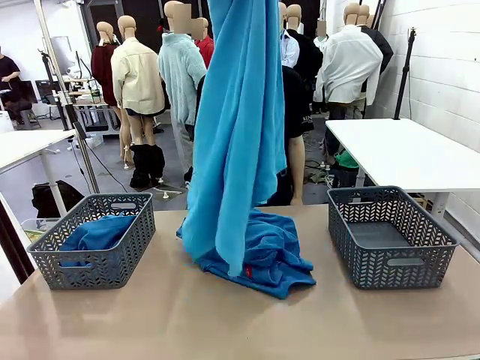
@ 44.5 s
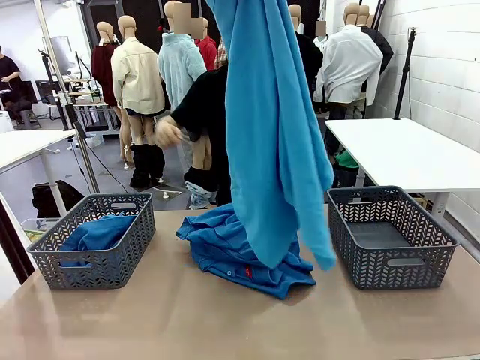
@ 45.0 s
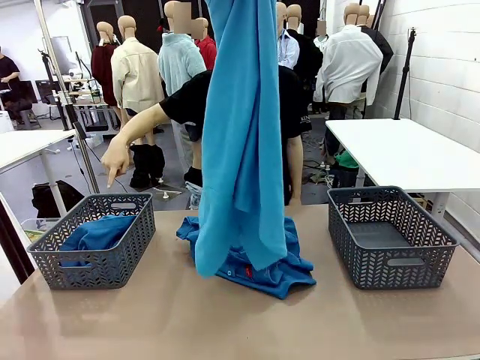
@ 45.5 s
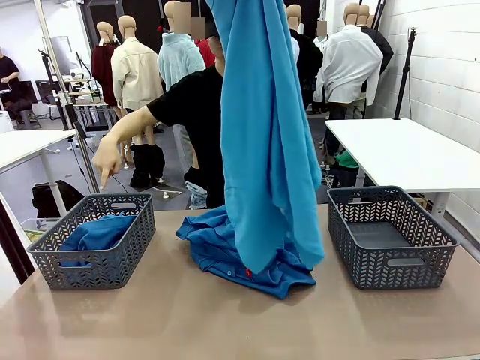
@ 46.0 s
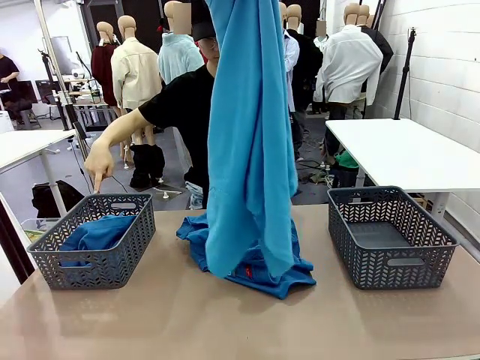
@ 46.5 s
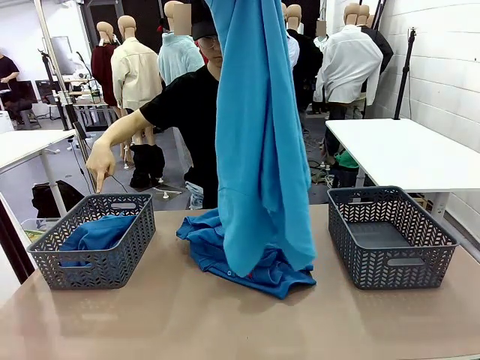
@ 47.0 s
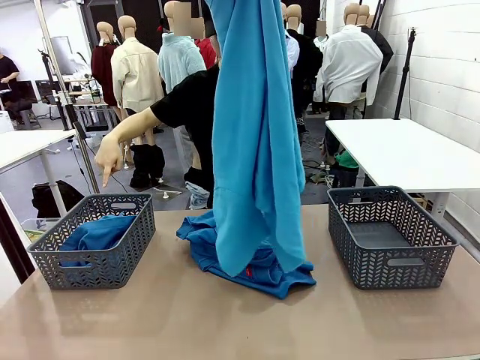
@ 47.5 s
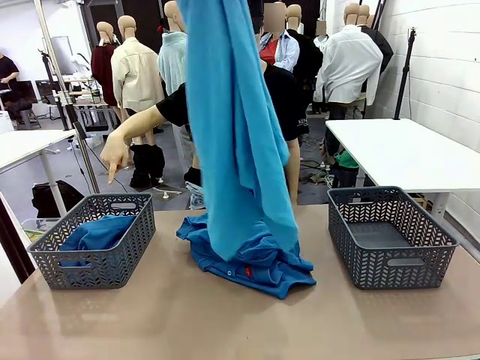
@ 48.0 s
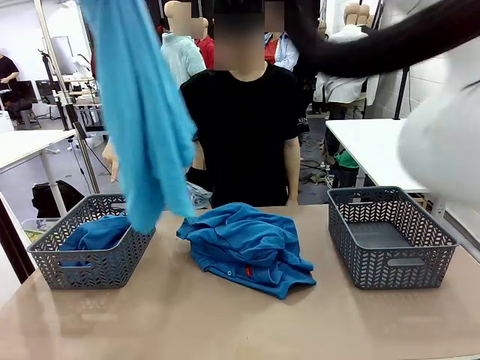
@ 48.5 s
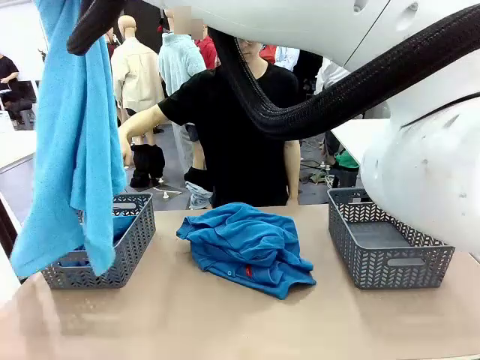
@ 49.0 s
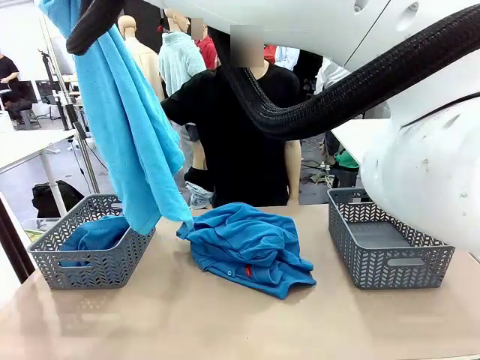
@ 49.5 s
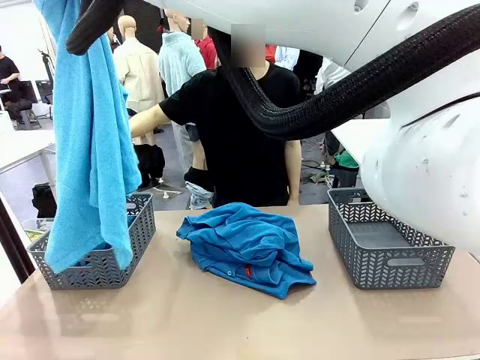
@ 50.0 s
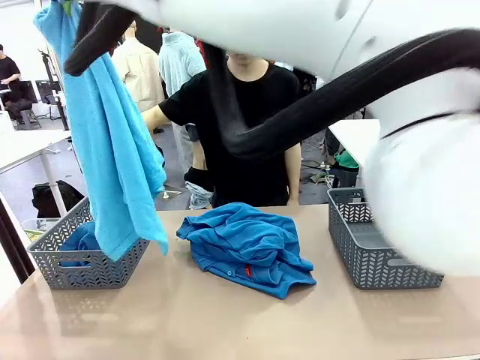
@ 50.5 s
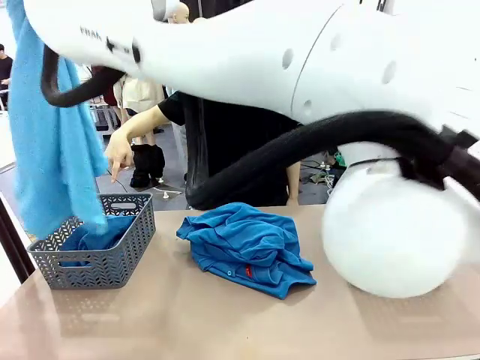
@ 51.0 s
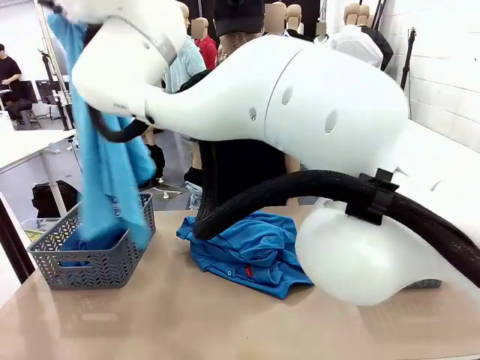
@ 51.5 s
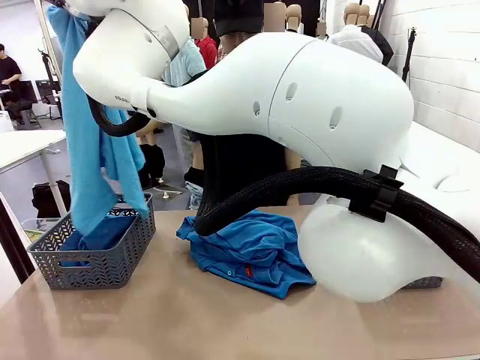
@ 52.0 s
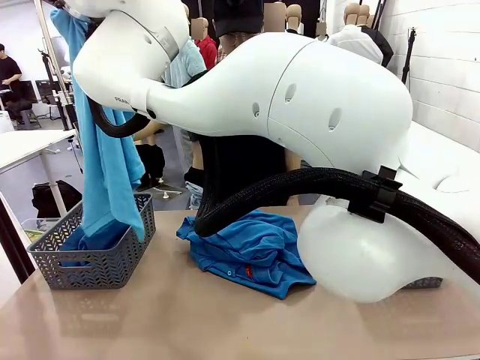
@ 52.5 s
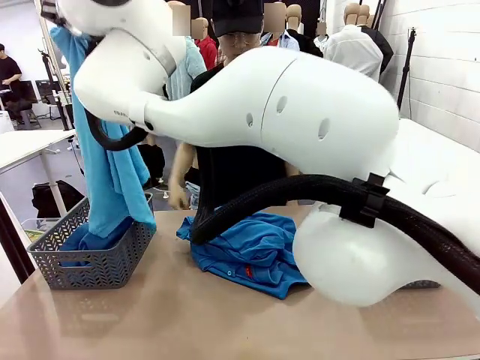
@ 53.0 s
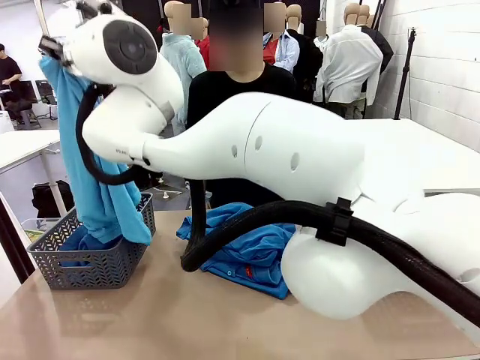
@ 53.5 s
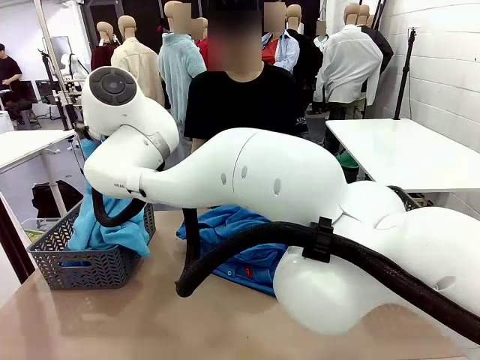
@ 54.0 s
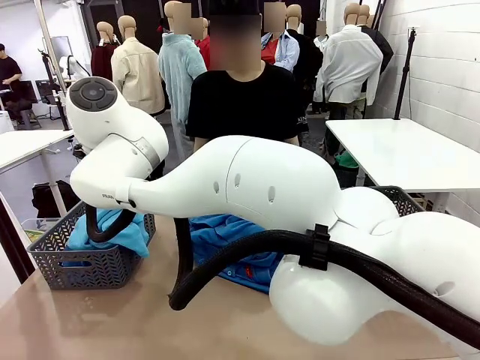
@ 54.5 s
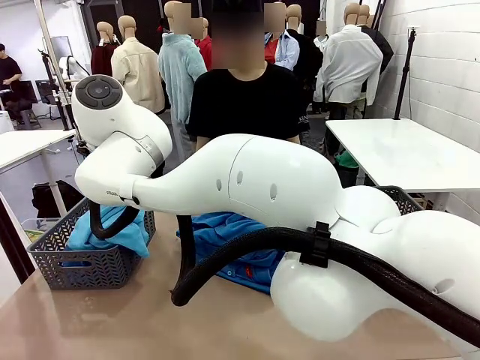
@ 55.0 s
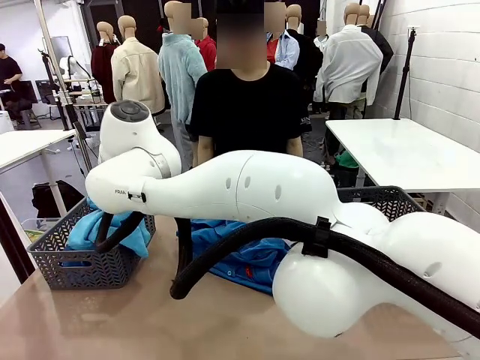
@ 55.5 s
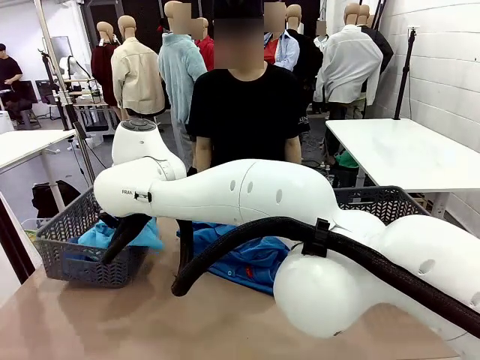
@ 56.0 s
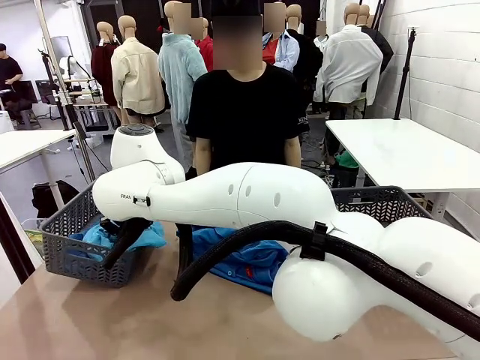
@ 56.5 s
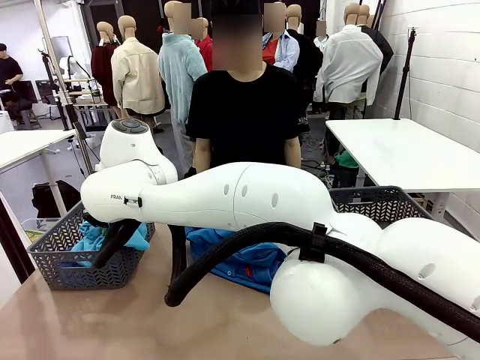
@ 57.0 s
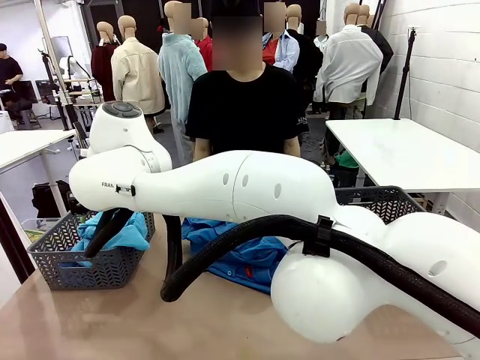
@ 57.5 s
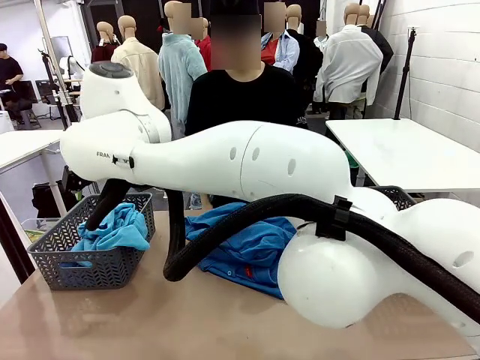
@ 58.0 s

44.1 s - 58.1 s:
Task: Sort the tops and bottoms.
Robot: Sort the clothes according to human instructions.

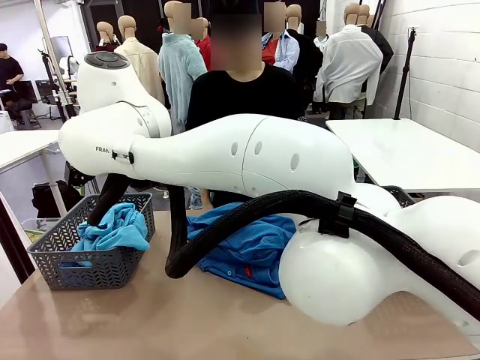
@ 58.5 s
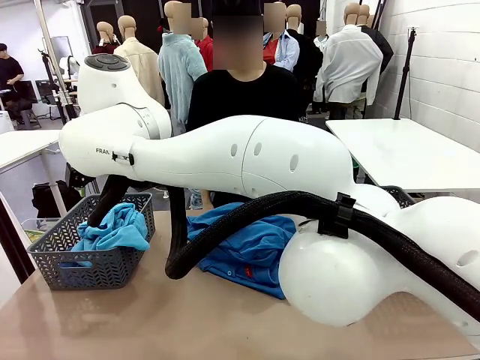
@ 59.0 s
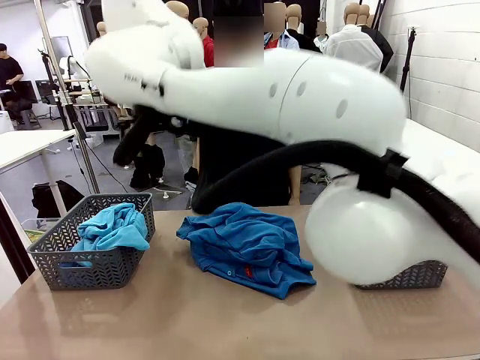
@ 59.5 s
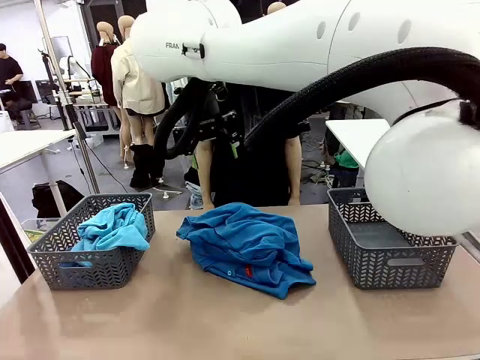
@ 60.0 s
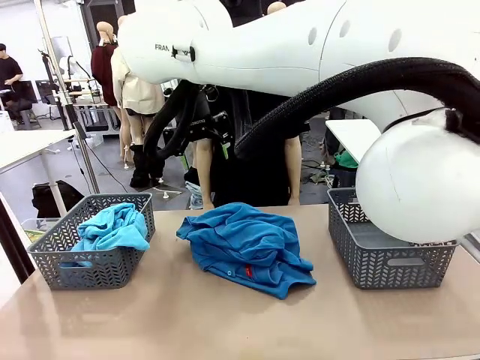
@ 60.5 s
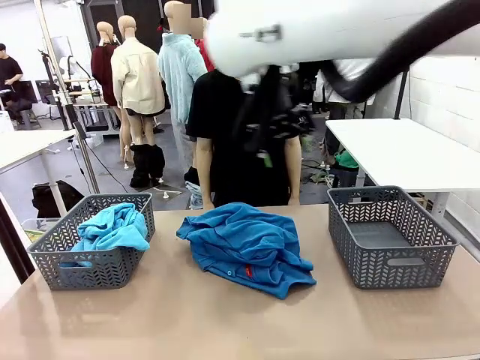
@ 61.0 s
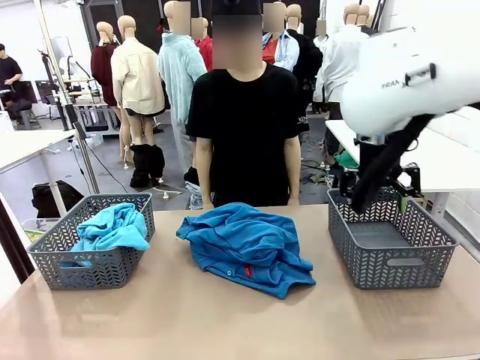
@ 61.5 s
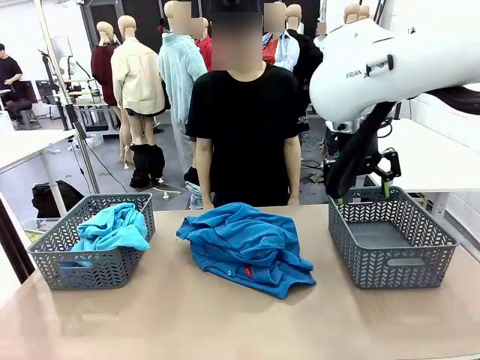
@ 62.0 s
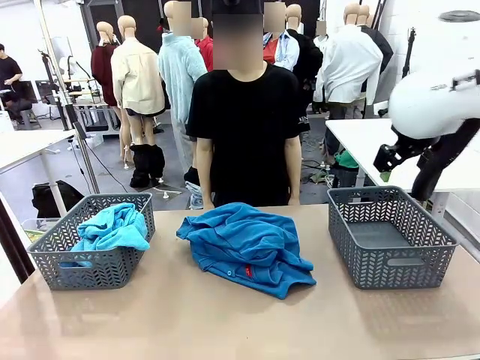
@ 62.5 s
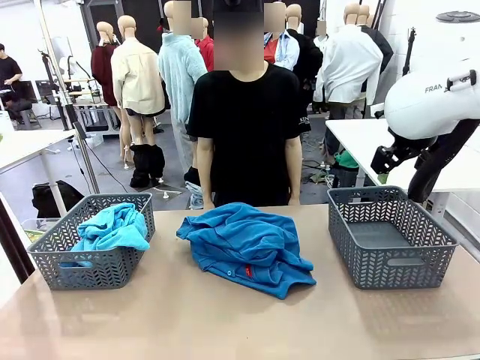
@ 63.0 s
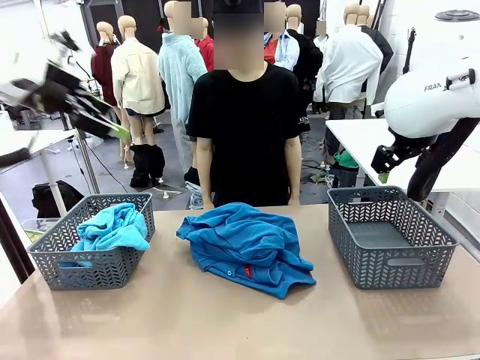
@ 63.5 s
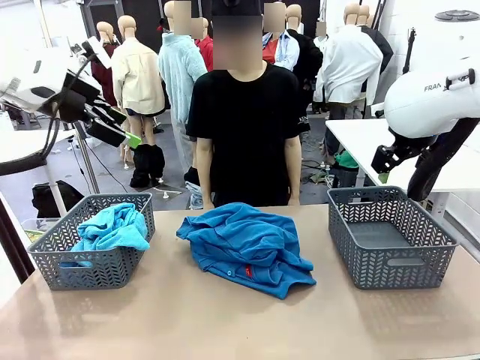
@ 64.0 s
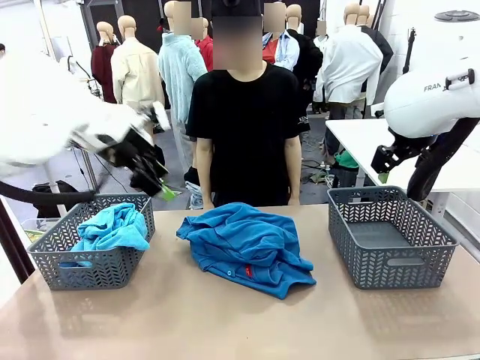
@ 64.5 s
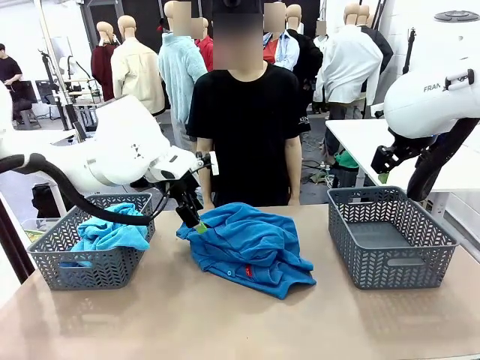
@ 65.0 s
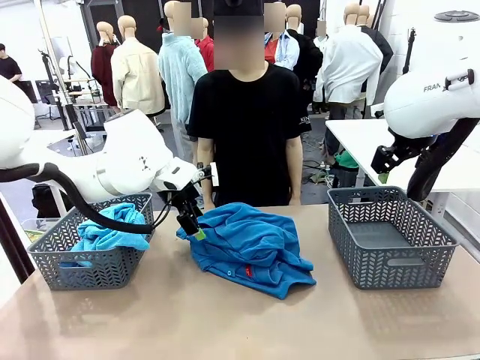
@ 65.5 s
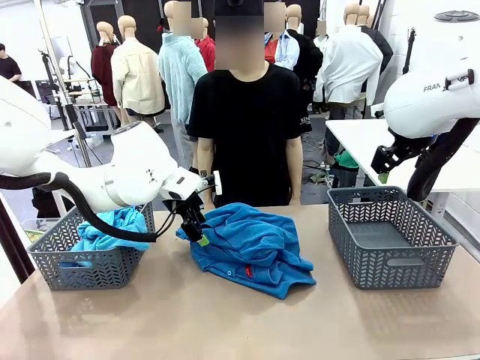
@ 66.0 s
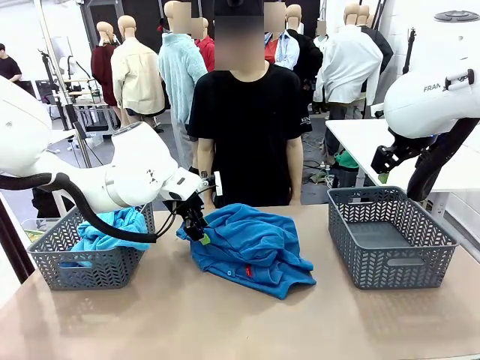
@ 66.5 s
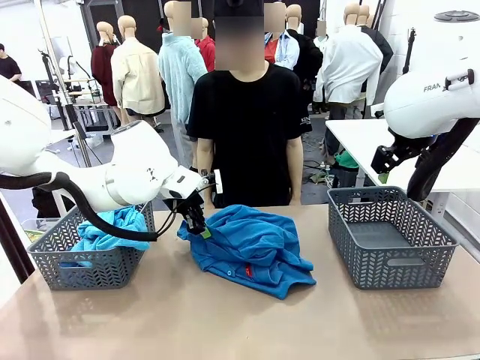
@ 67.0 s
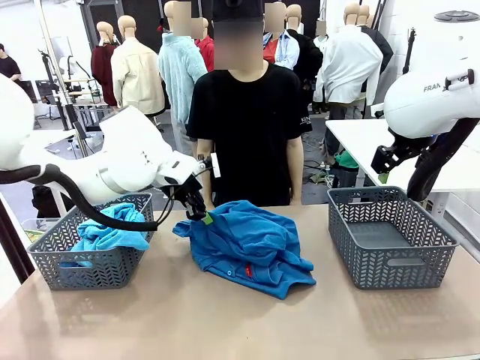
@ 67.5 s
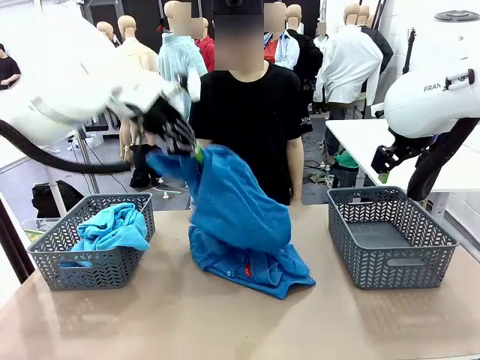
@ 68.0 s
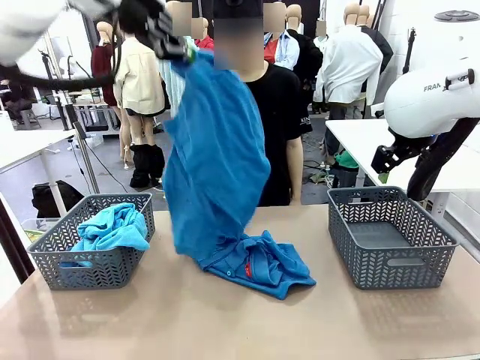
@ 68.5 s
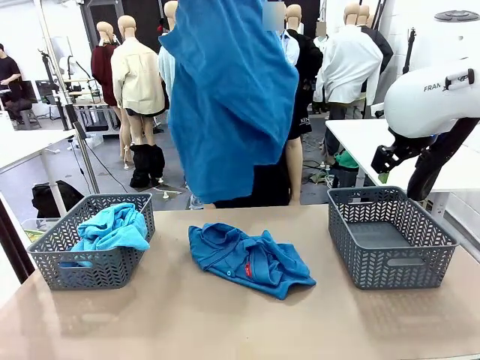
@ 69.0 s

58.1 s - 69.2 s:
Robot: Lift clothes from the center of the table with your left hand.

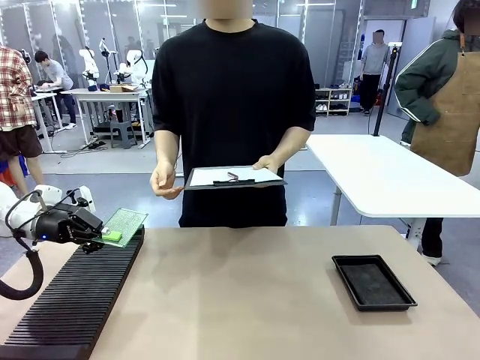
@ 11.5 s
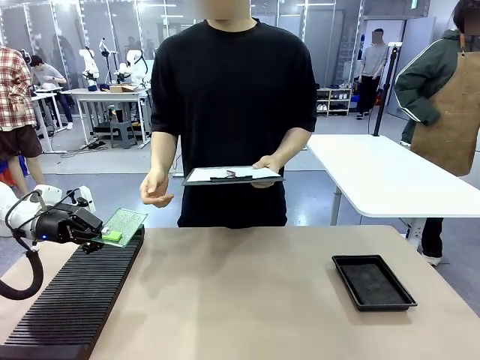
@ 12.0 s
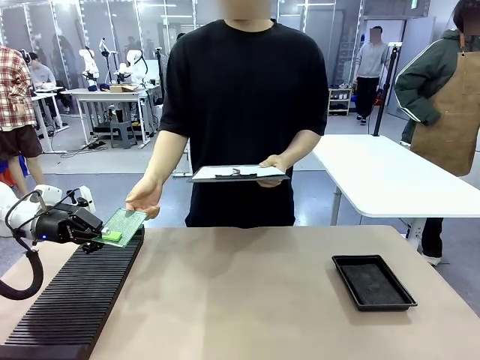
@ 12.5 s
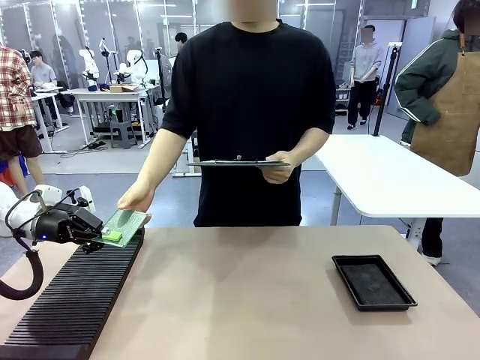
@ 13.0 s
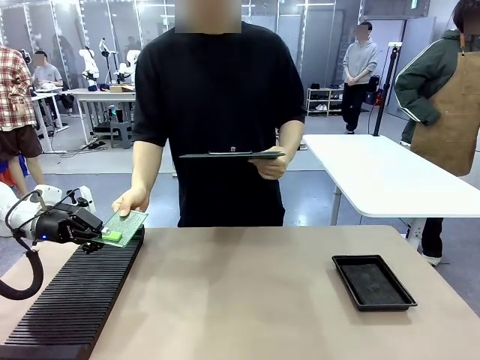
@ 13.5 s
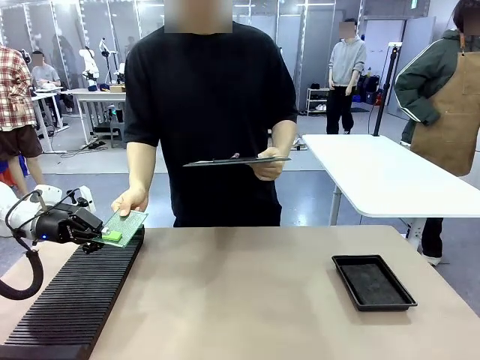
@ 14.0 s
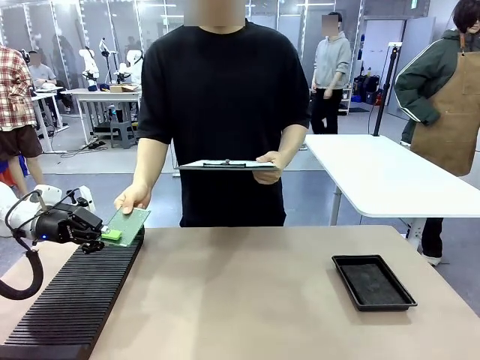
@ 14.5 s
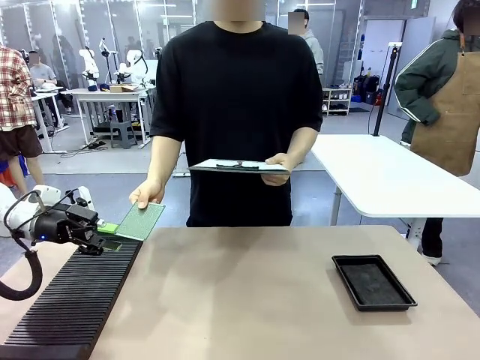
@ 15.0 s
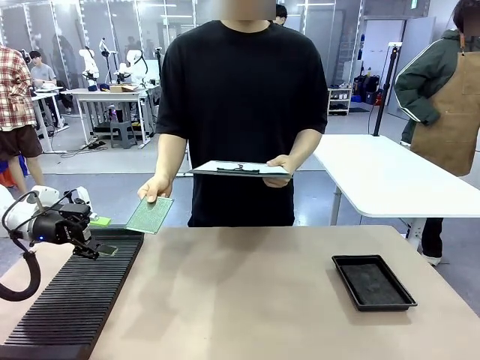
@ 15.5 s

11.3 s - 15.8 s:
Task: Inspect the PCB.
Robot: Release the Blank PCB you were holding.
